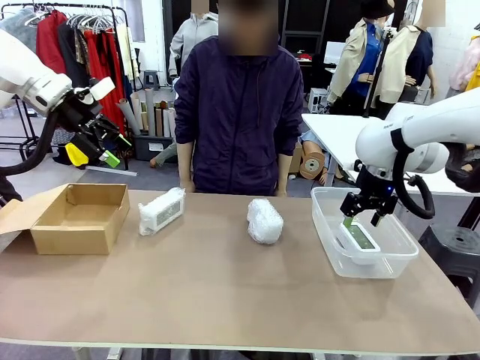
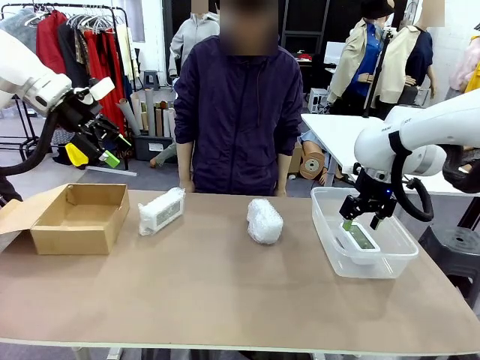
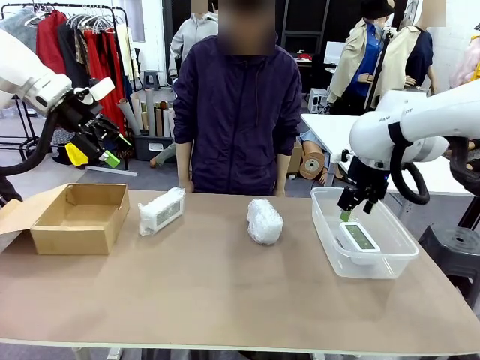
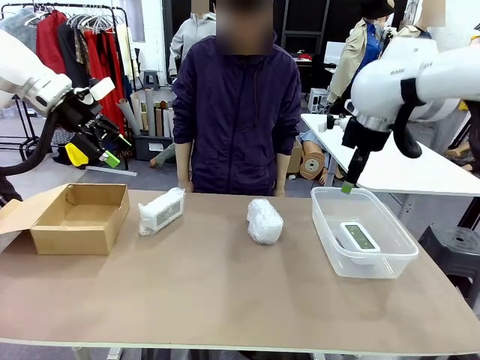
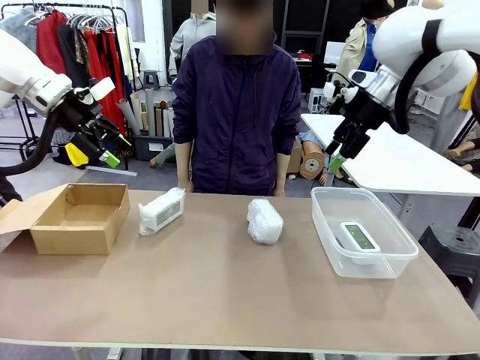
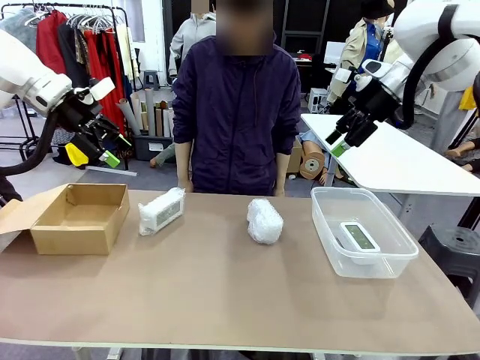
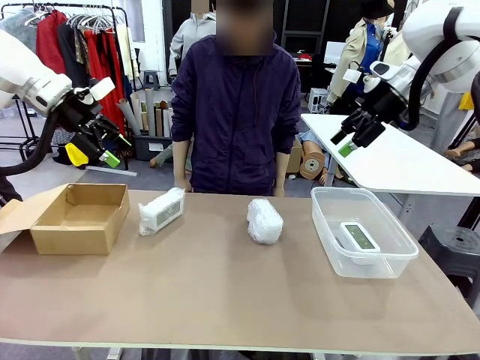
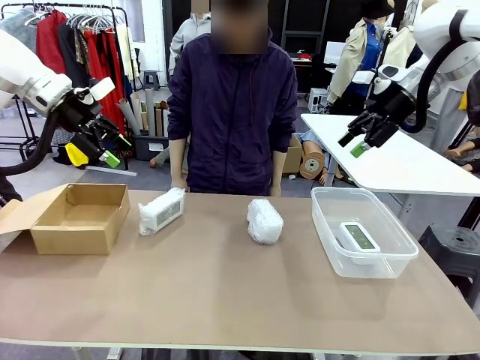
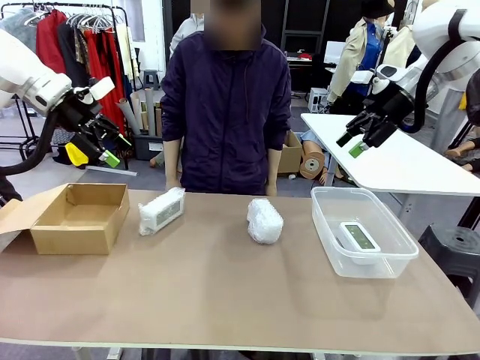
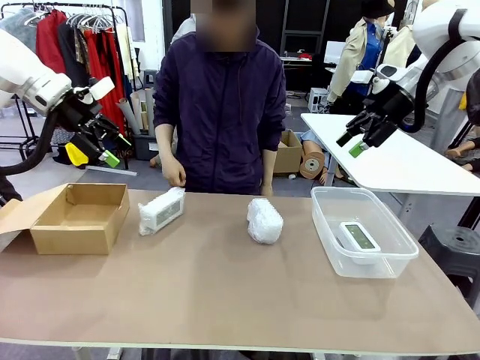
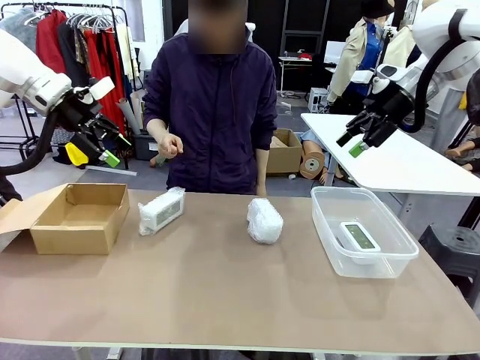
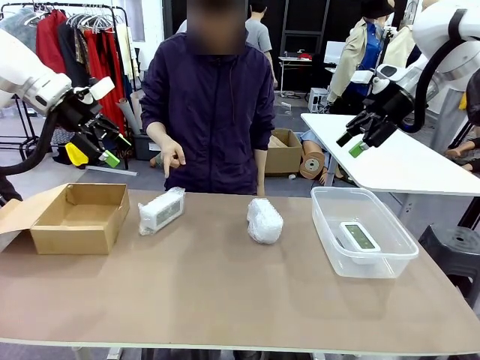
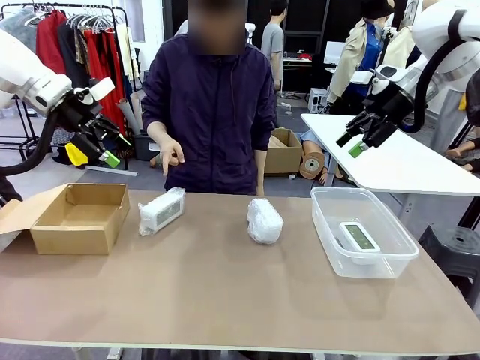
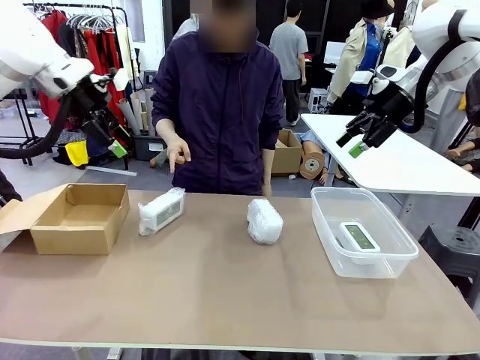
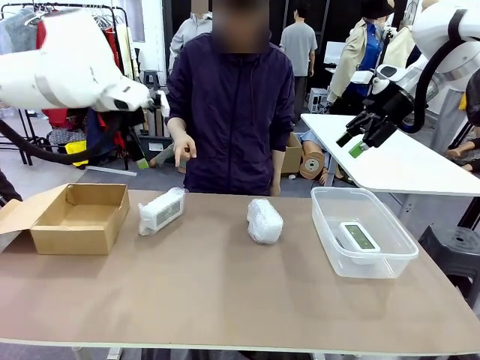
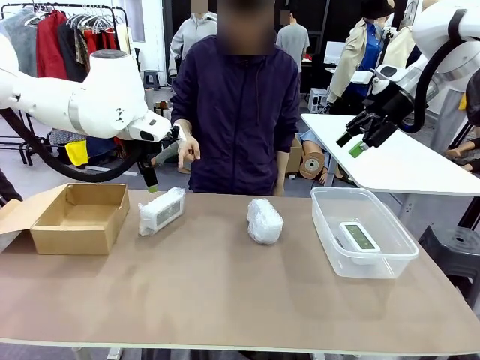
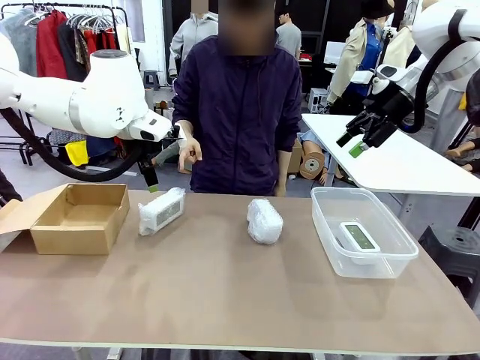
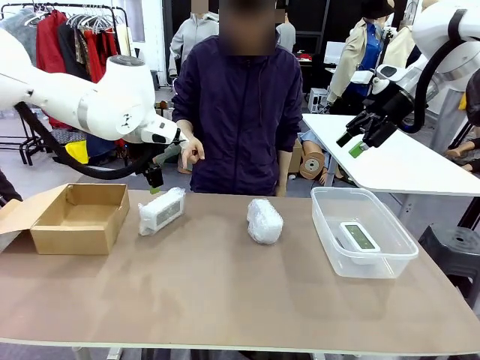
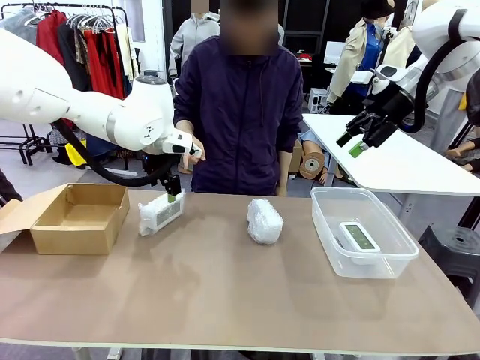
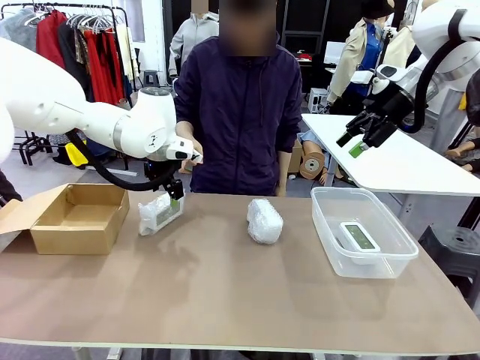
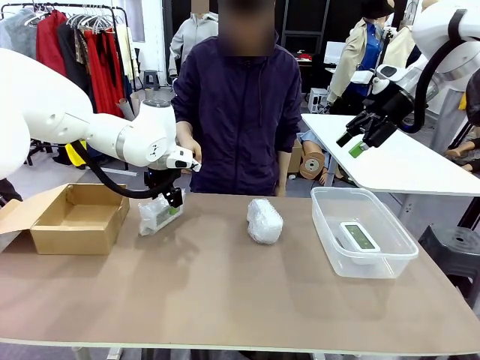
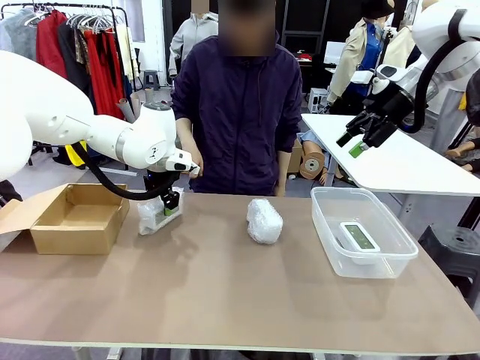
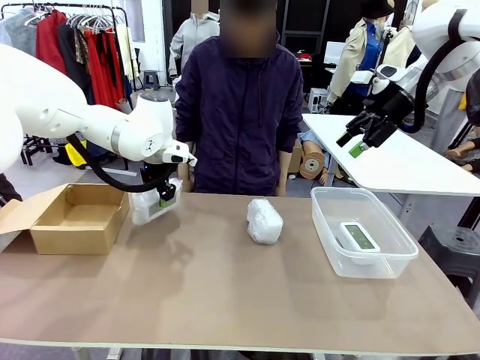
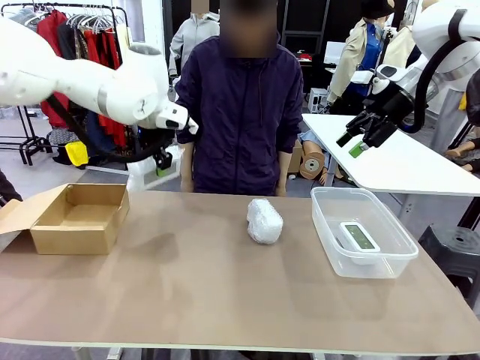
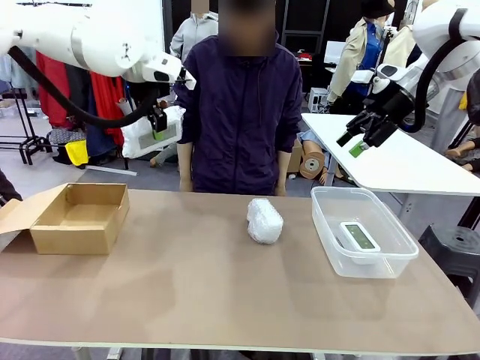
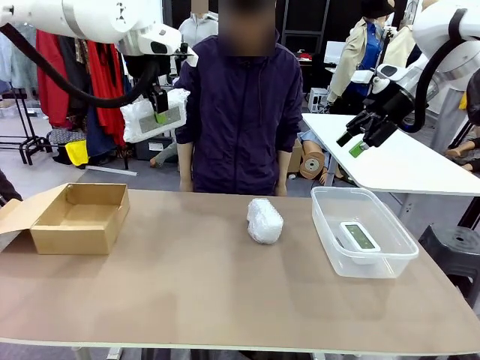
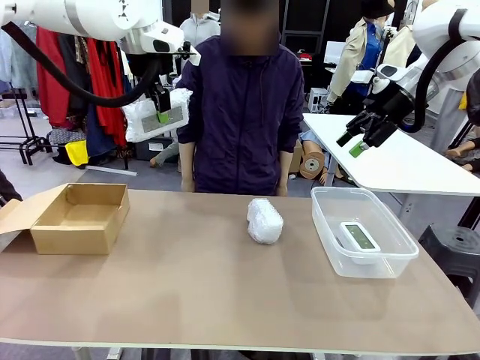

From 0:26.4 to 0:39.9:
Task: Separate and place wrapped and unwrapped clocks.
Robot: Pick up the Digital clock indicated by the person.

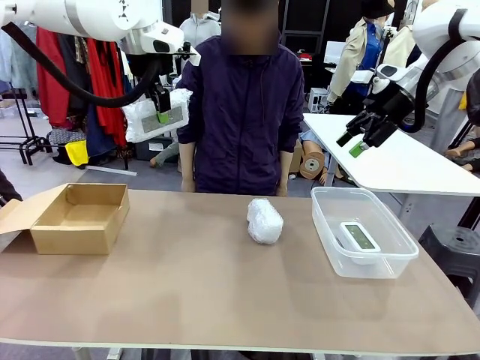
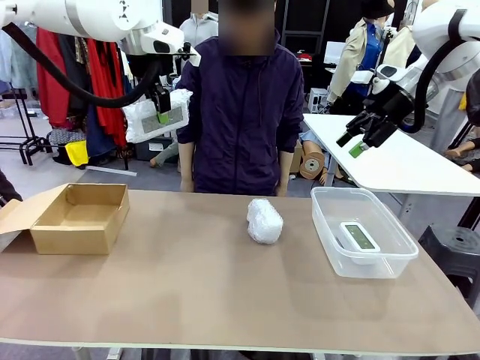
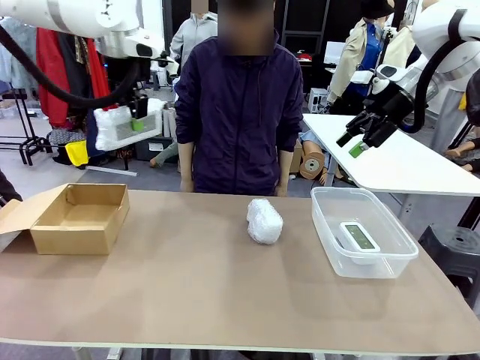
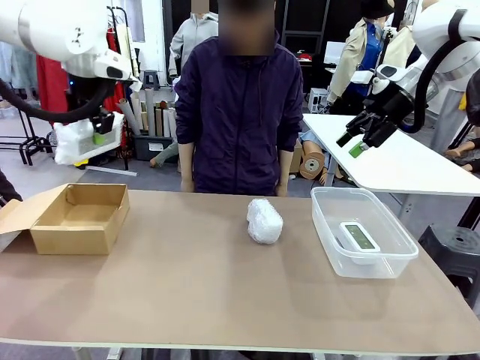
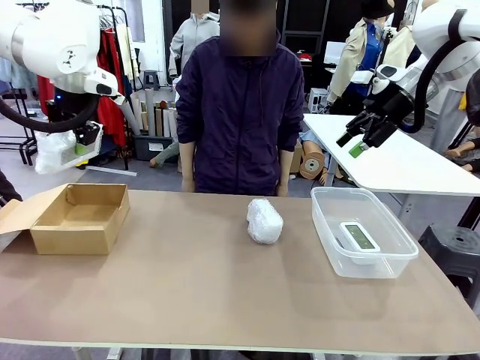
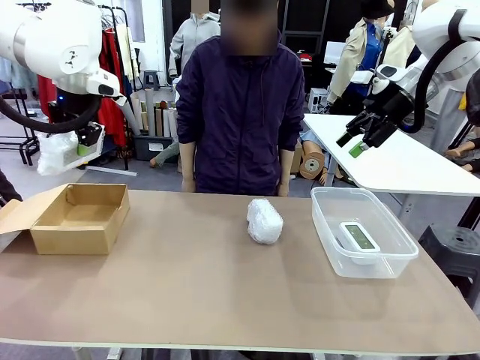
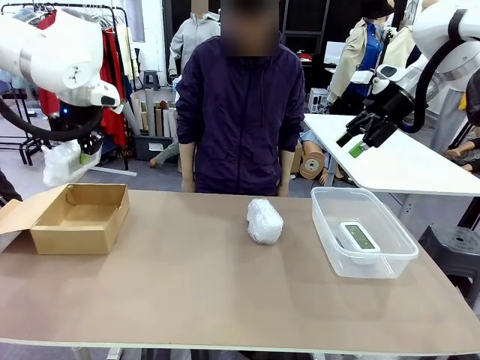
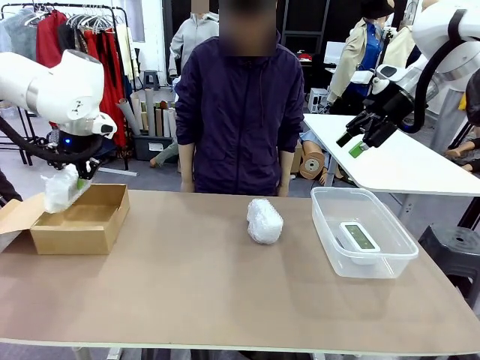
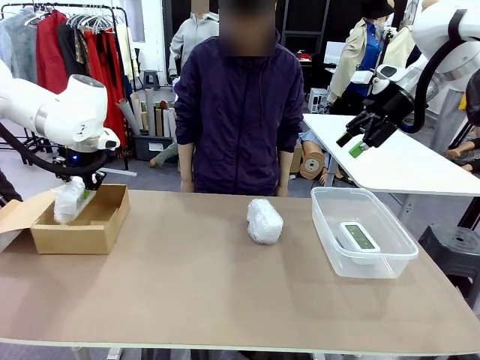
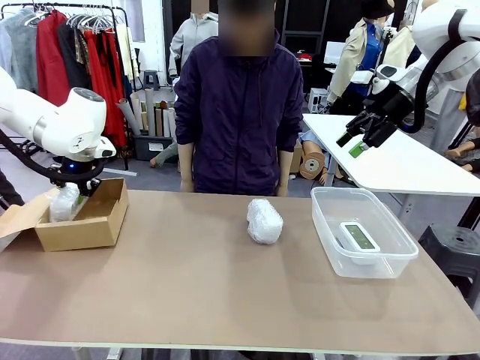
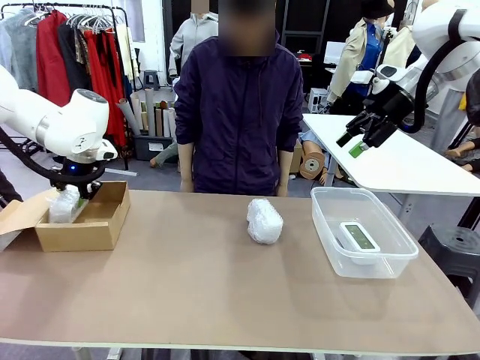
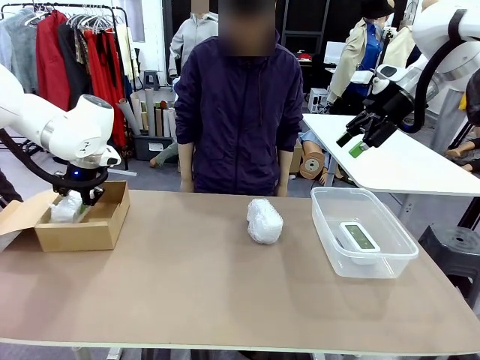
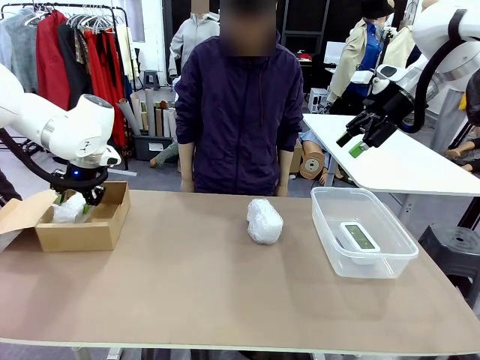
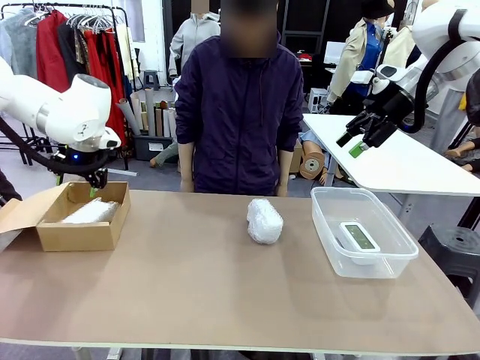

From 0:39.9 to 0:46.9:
Robot: If the picked Digital clock is wrapped, place it in the Package Box ; if not, place it in the Organizing box.

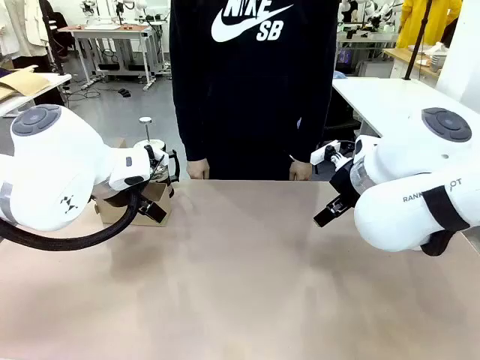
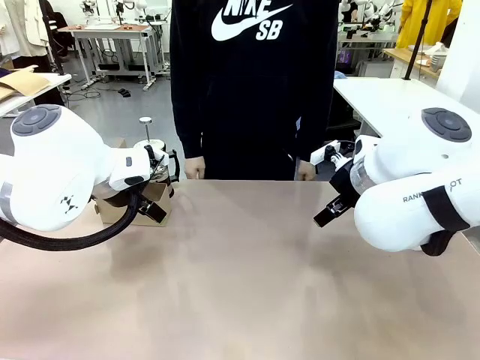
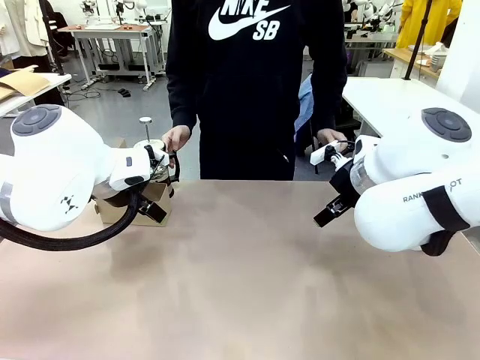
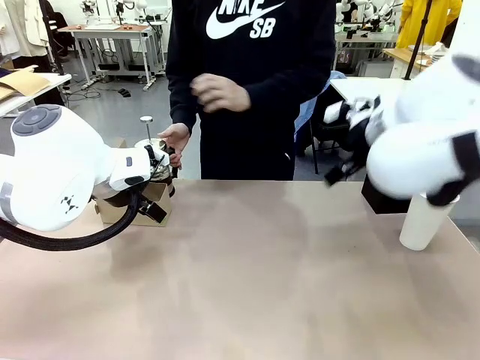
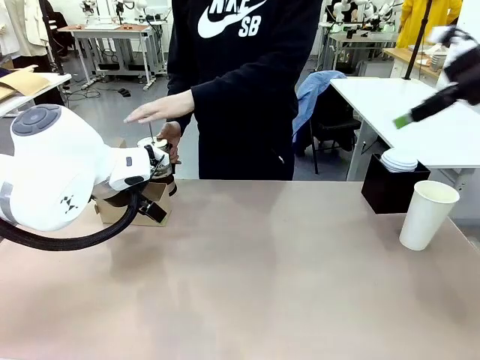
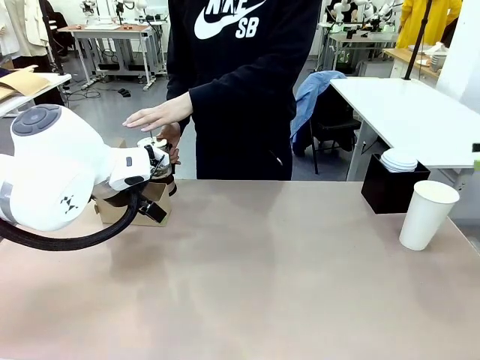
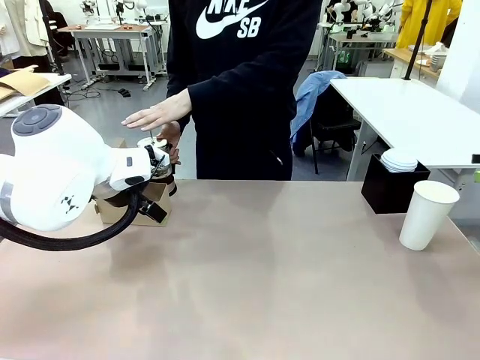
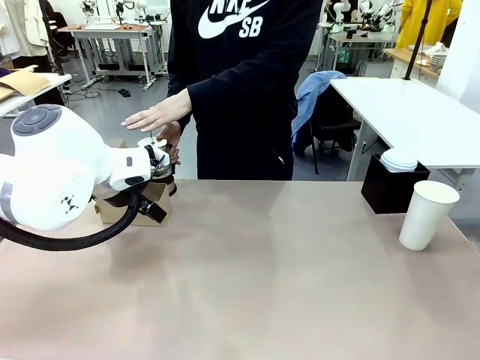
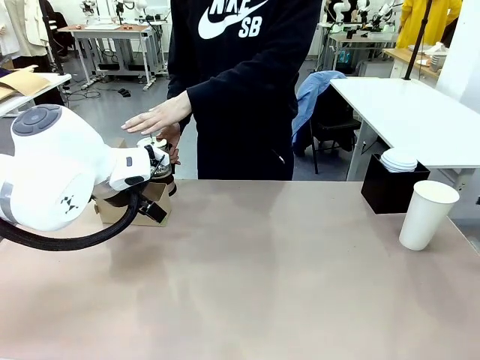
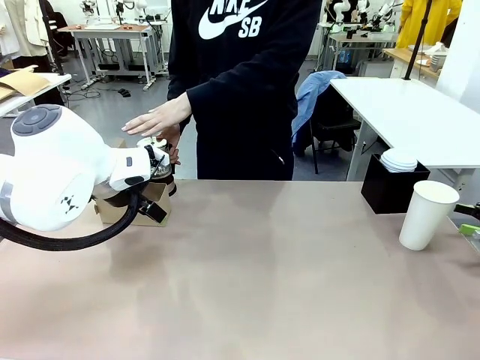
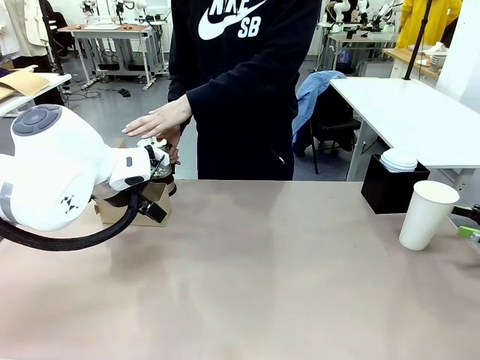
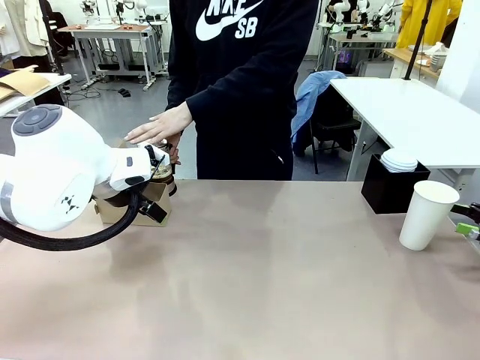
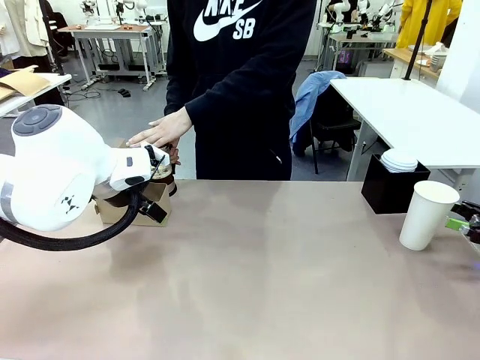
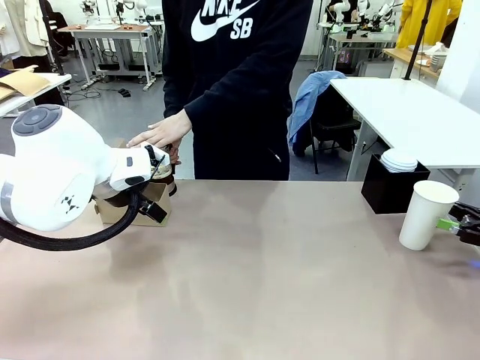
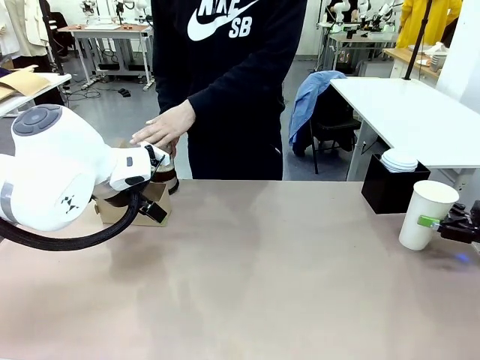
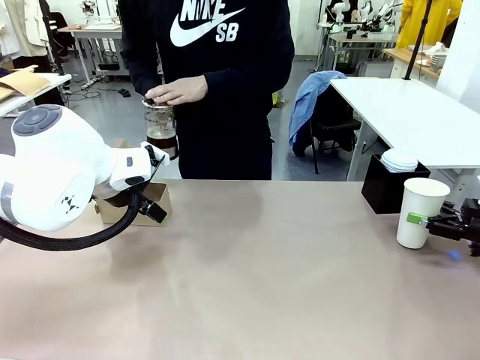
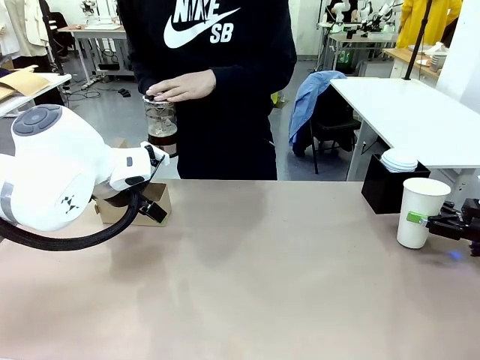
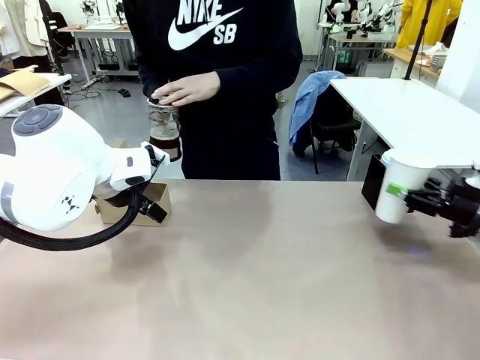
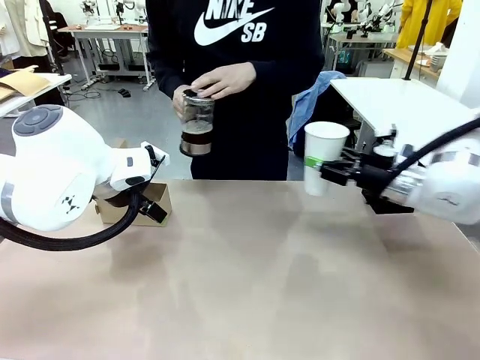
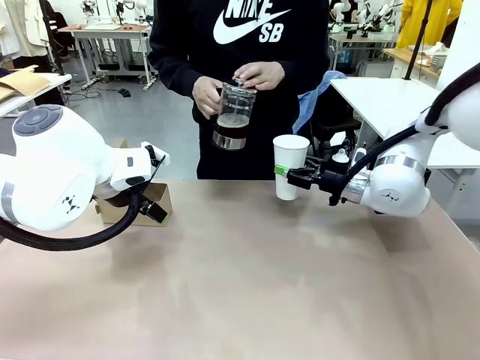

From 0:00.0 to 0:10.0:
Task: Pour a drink into a cup and package it in a carrier.
Robot: Pick up the 600 ml Paper Cup and place it in the middle top area of the table.
Person: Press and pick up the Filter Brewing.
